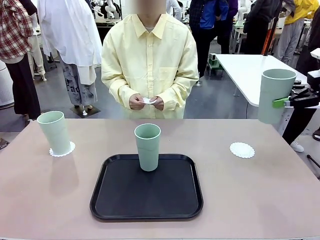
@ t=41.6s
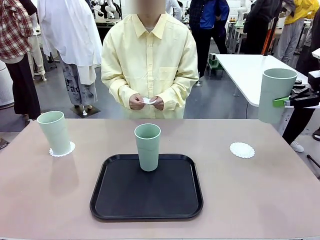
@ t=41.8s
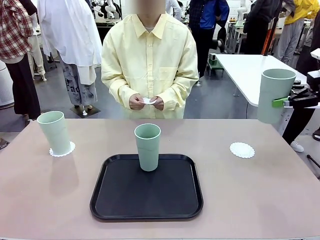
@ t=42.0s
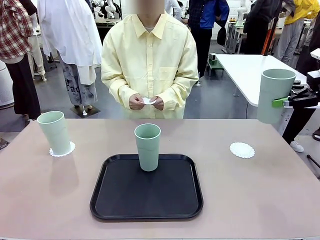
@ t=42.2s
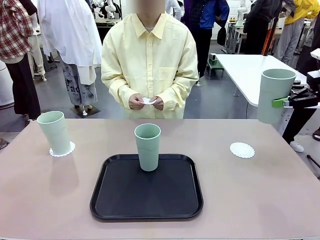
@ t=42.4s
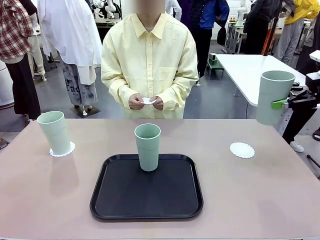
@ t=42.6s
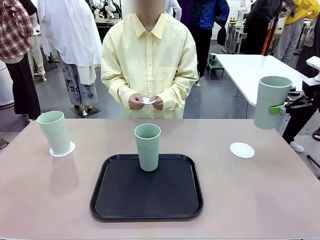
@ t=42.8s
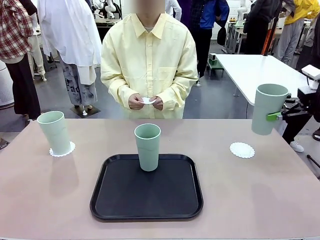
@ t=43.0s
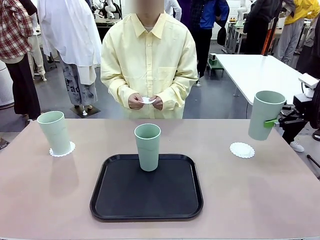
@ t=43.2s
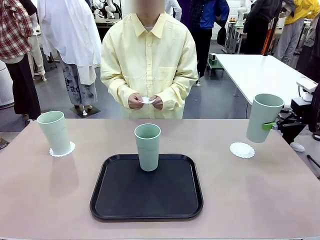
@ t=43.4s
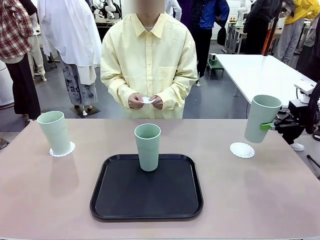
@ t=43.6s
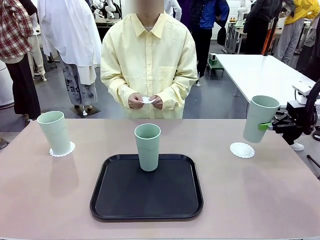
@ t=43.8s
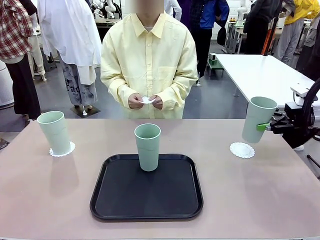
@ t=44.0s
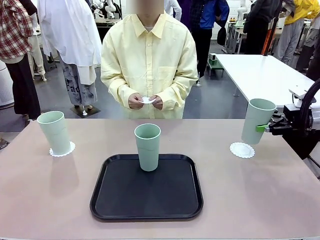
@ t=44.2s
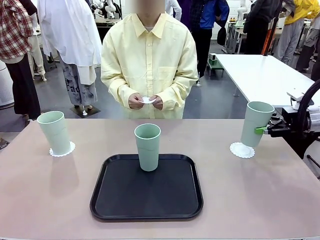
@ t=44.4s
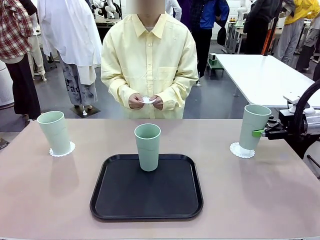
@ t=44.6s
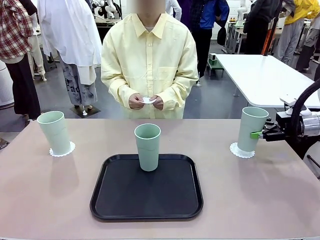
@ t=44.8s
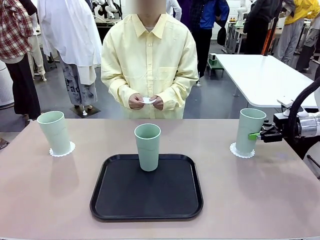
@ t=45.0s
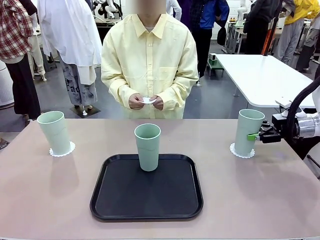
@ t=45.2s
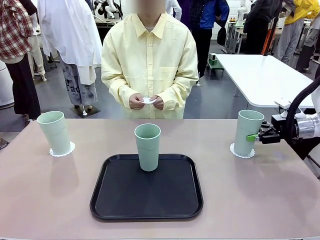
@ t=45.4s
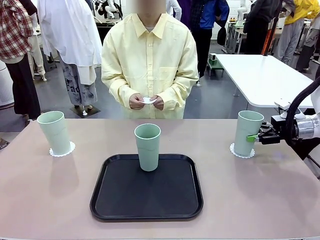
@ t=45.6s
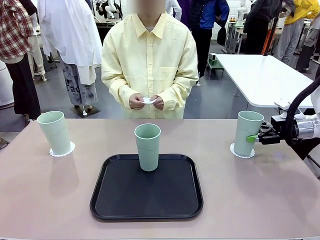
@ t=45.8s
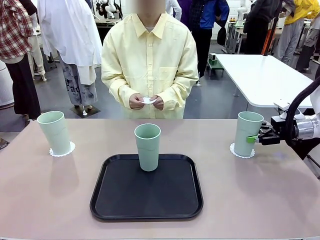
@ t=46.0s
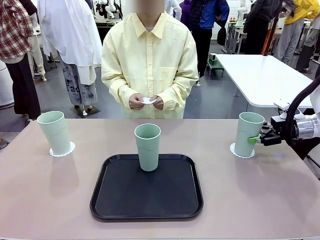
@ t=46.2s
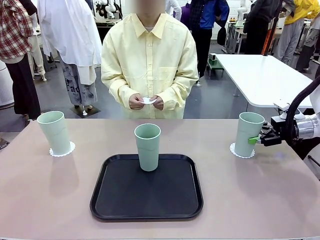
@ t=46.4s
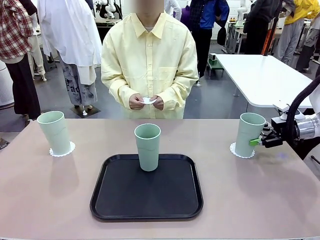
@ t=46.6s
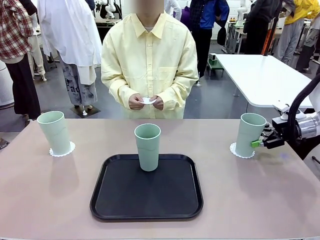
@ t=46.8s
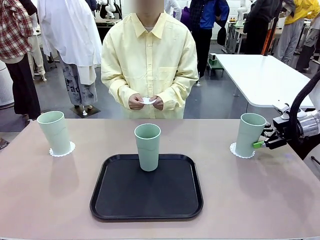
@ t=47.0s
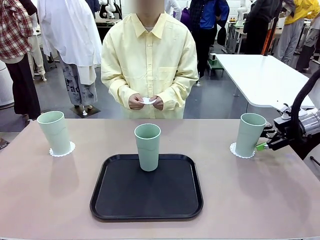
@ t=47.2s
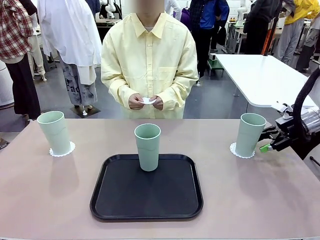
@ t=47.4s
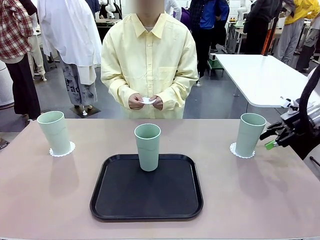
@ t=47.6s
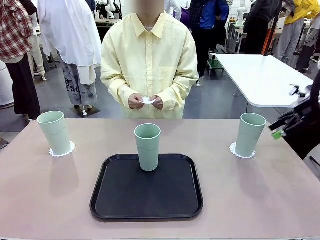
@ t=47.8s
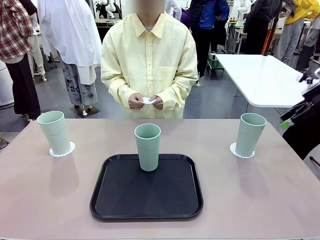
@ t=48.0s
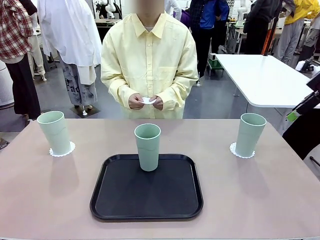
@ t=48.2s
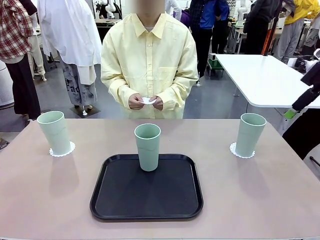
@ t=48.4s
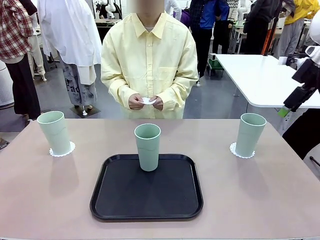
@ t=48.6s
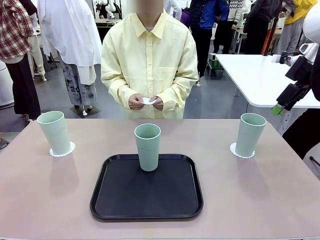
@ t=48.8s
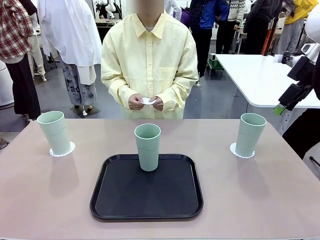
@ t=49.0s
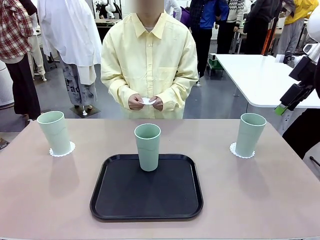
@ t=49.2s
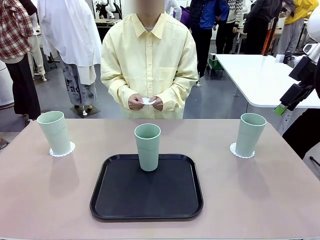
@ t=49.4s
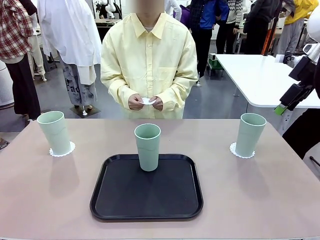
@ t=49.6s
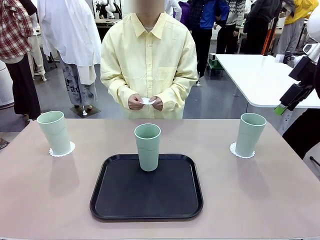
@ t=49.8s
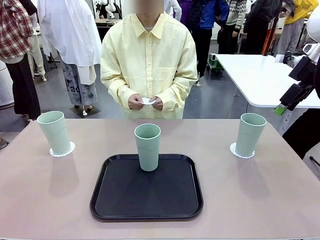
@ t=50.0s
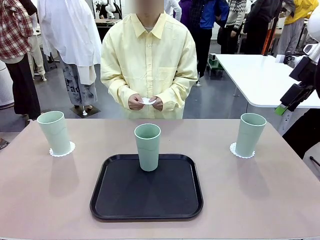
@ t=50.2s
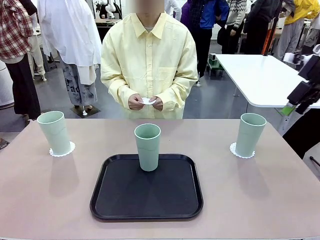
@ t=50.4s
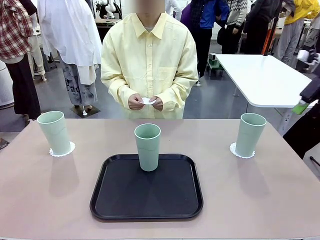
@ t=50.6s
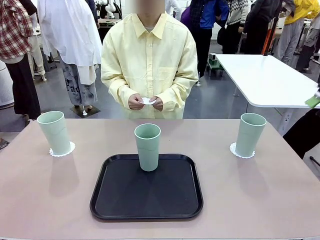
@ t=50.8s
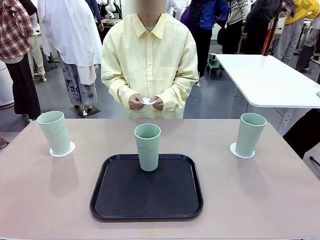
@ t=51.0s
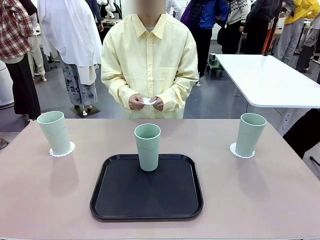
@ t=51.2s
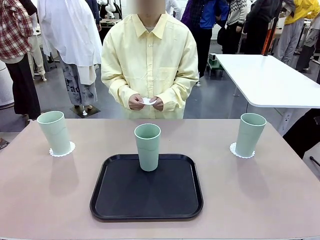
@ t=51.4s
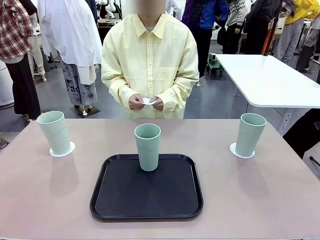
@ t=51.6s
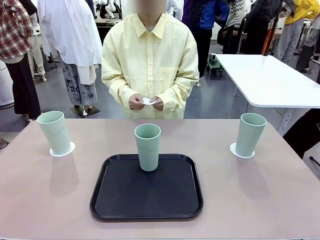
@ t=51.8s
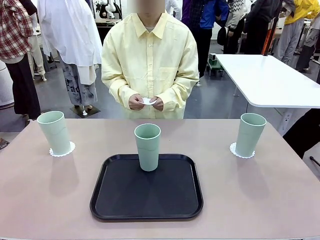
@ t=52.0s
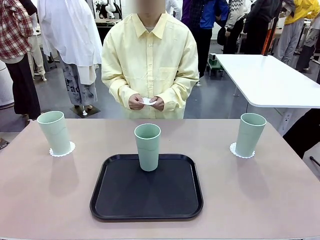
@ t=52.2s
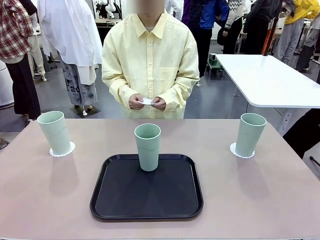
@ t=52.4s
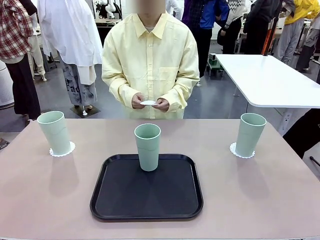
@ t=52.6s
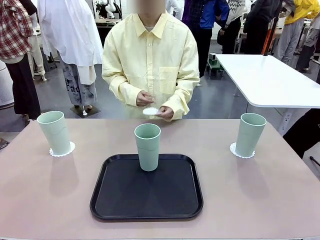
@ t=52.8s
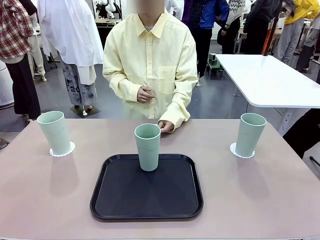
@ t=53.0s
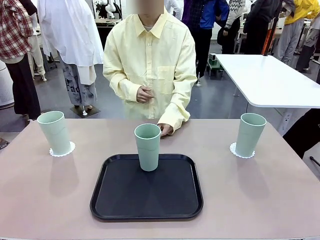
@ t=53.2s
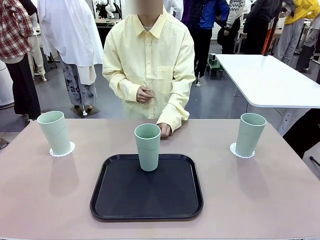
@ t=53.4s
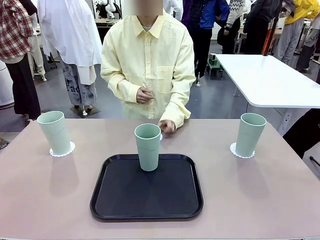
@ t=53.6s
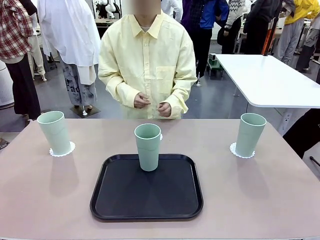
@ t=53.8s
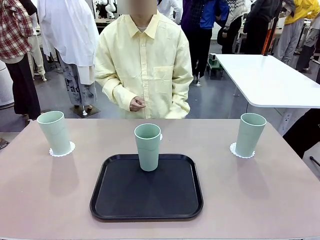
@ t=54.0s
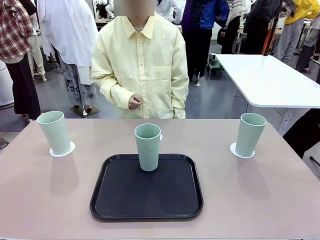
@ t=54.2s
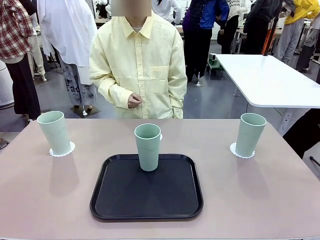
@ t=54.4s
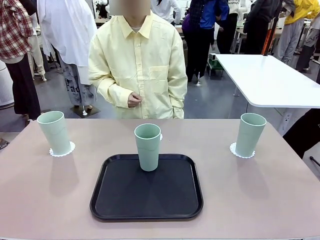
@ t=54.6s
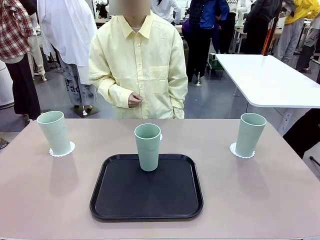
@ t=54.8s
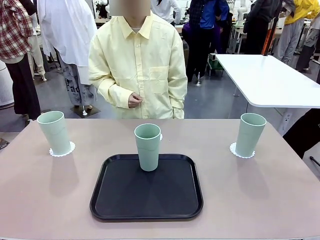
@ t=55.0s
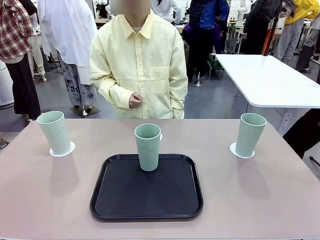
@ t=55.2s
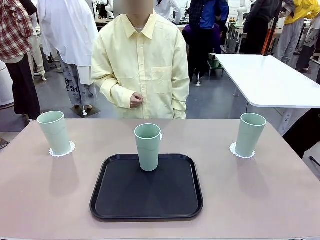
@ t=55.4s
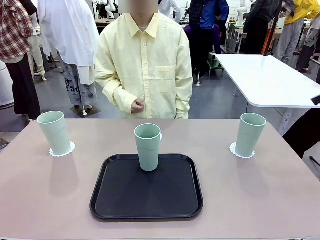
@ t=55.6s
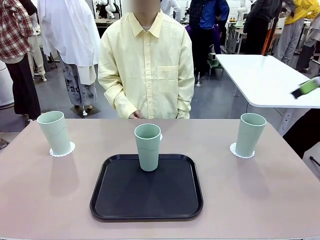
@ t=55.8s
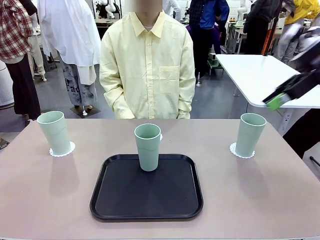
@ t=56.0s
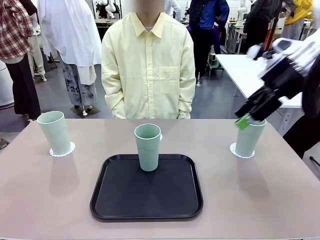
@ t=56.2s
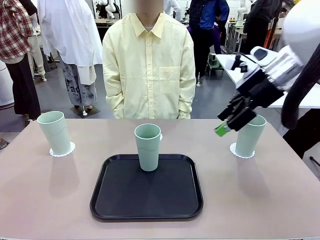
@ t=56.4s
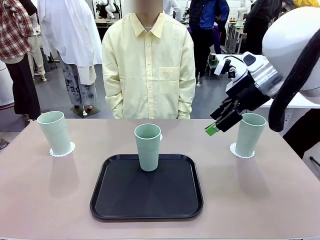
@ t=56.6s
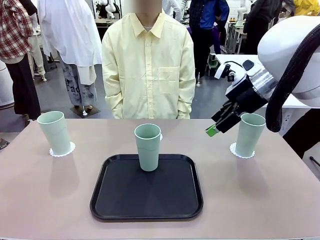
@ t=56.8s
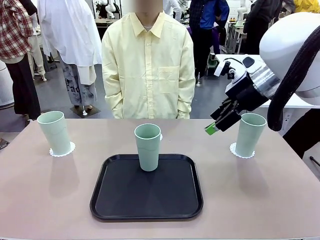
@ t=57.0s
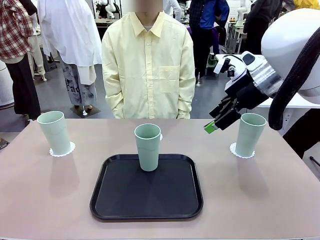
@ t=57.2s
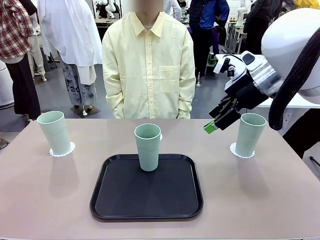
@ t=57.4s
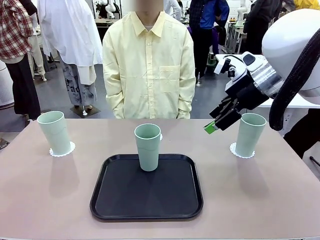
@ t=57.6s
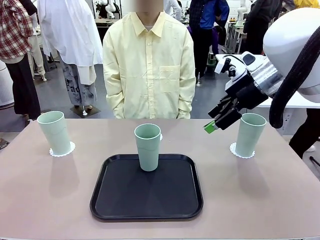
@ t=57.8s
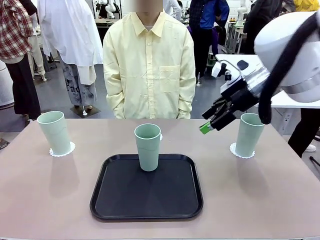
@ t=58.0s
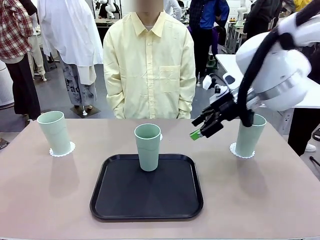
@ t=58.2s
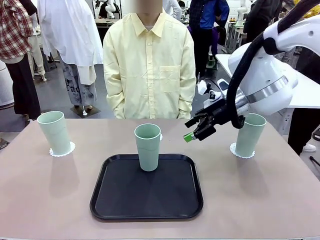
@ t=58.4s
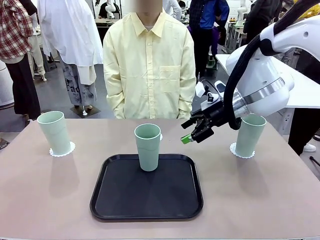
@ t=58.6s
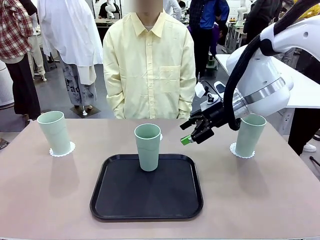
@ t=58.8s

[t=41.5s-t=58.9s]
Task: Place coasters on the table and set cups on them.
Robot: Take one Reusable plastic cup from the Flat Tray and place it on a coaster set by the human.
